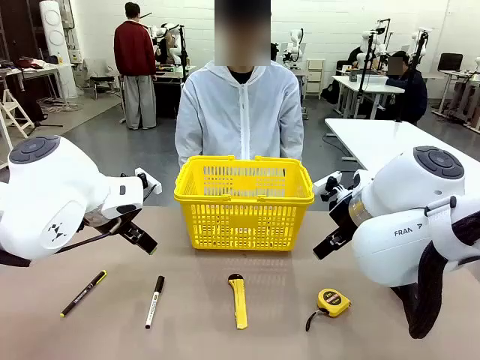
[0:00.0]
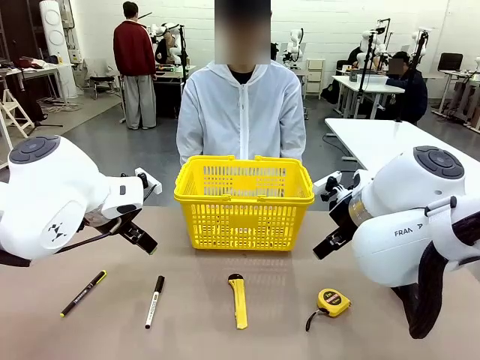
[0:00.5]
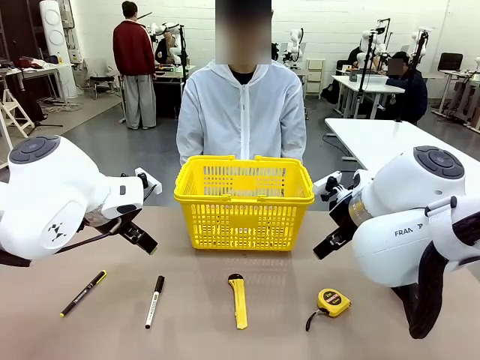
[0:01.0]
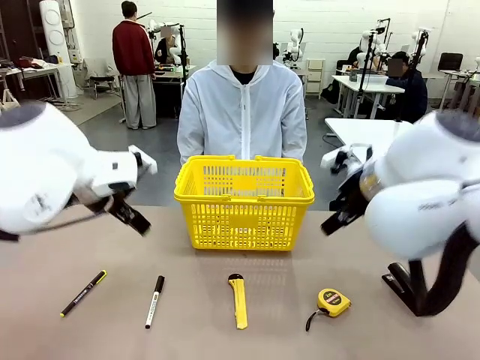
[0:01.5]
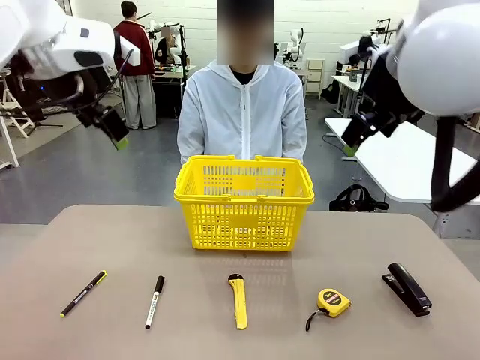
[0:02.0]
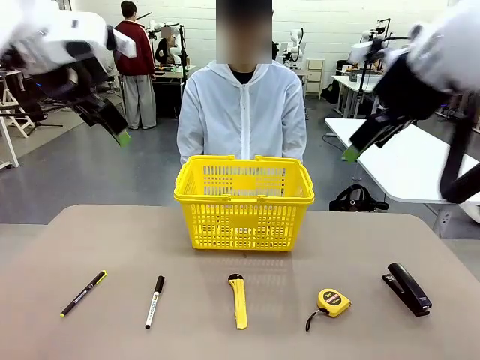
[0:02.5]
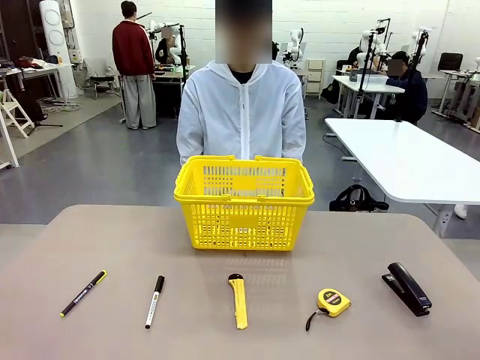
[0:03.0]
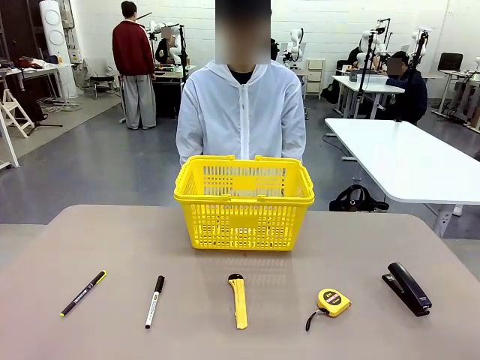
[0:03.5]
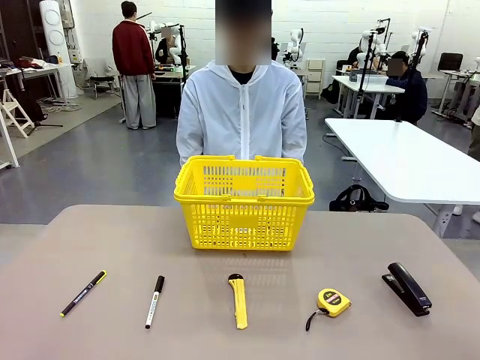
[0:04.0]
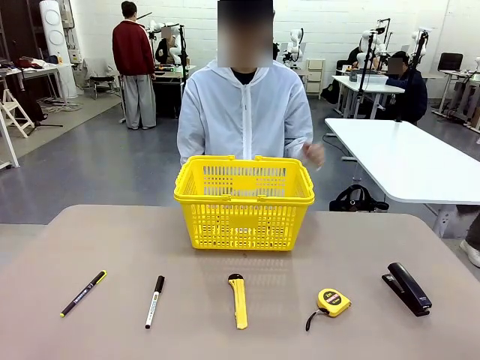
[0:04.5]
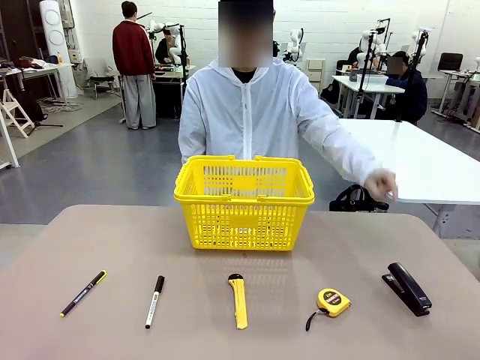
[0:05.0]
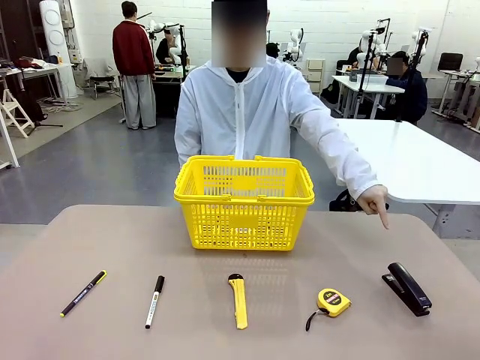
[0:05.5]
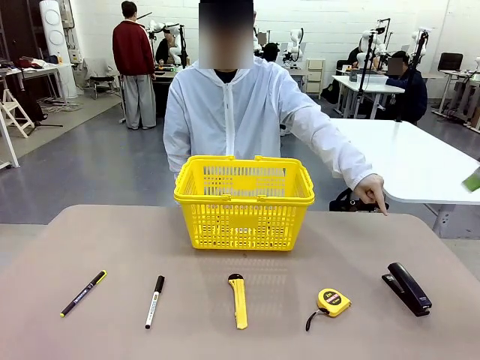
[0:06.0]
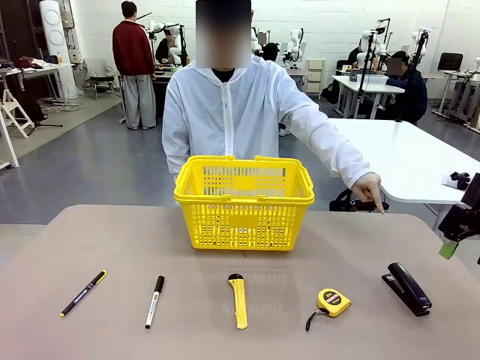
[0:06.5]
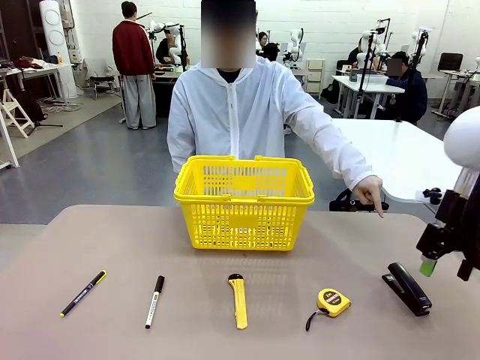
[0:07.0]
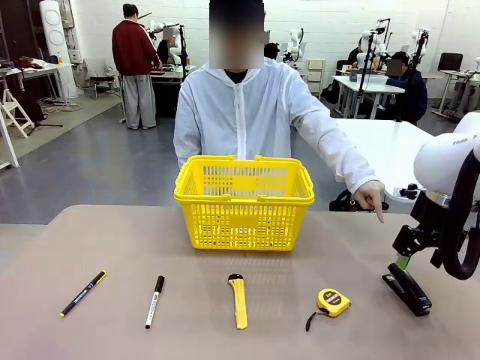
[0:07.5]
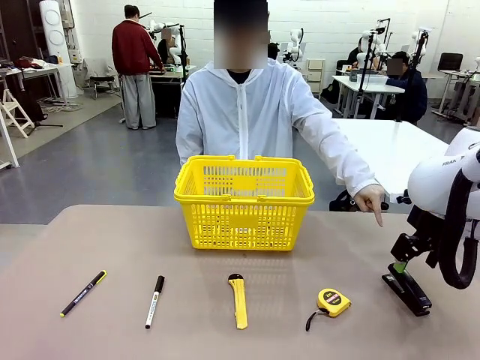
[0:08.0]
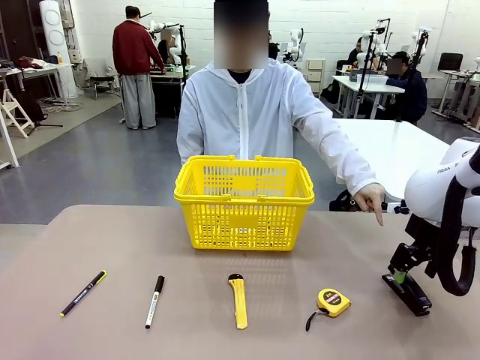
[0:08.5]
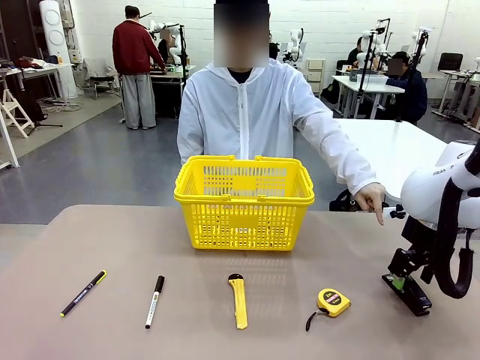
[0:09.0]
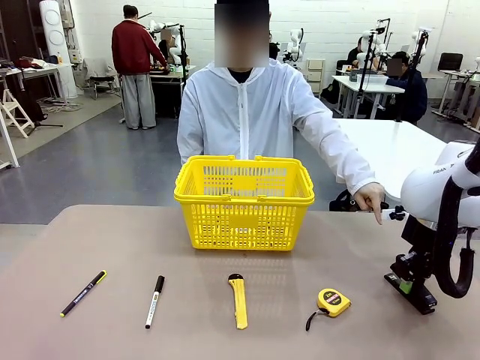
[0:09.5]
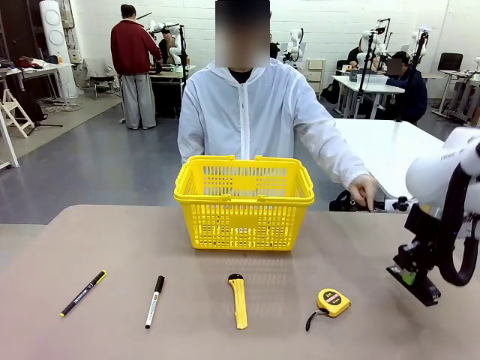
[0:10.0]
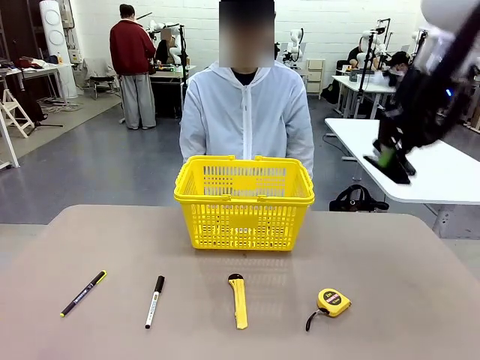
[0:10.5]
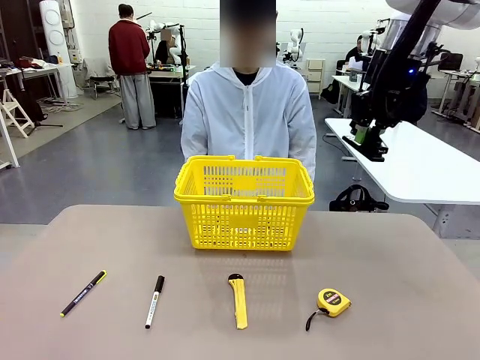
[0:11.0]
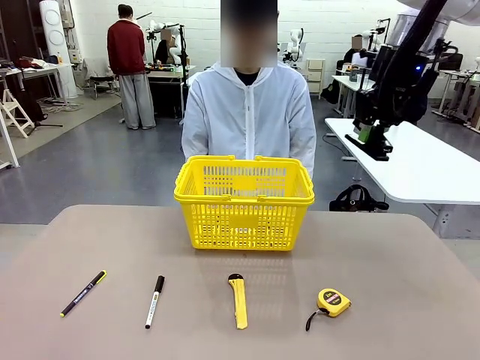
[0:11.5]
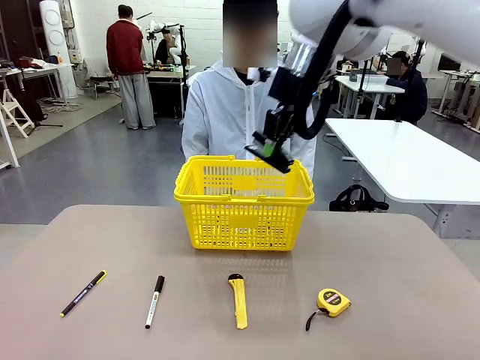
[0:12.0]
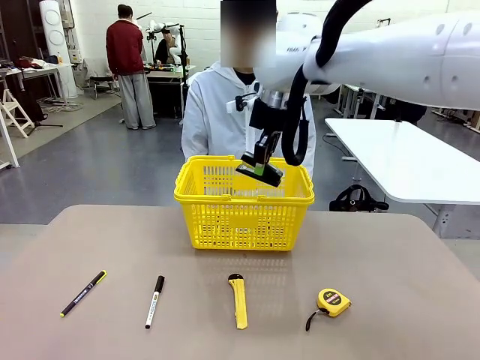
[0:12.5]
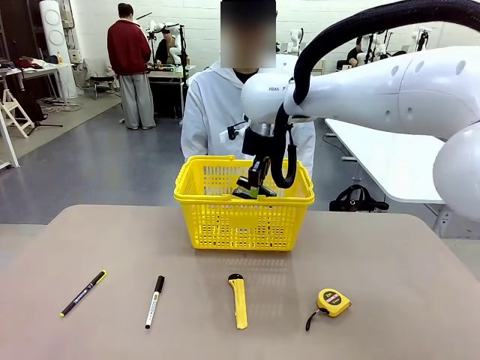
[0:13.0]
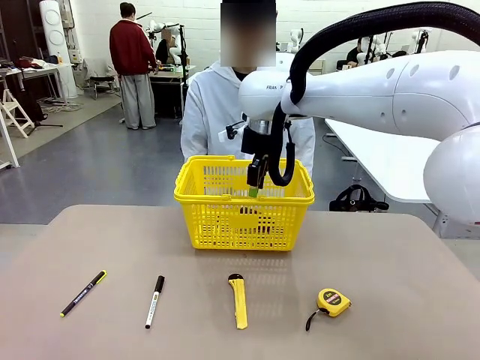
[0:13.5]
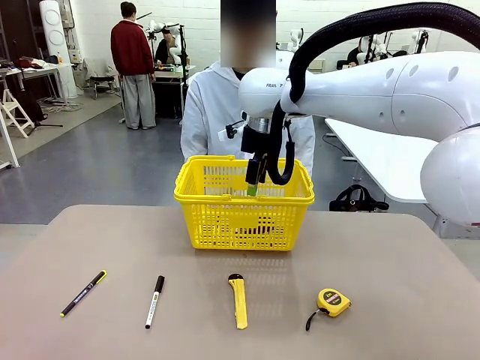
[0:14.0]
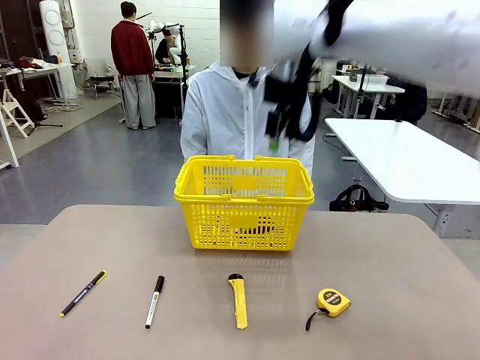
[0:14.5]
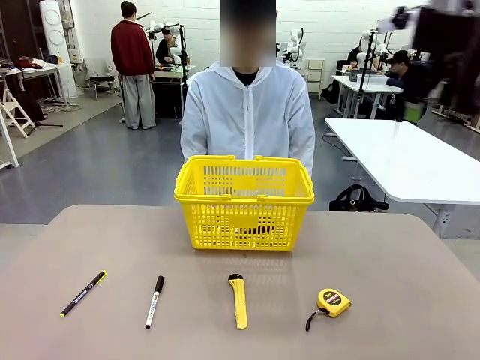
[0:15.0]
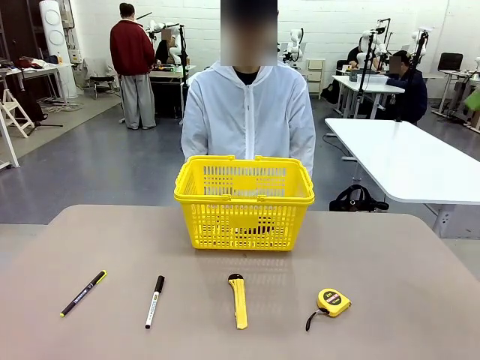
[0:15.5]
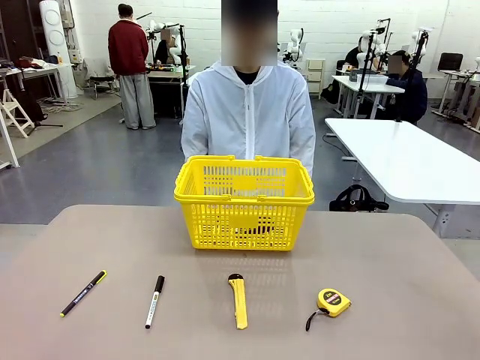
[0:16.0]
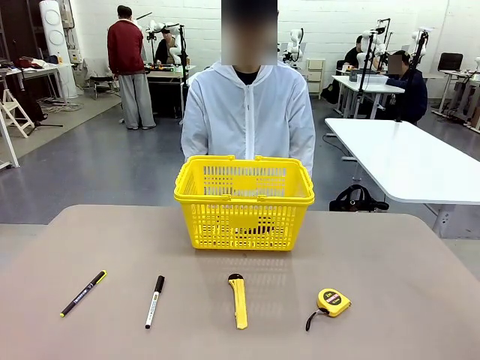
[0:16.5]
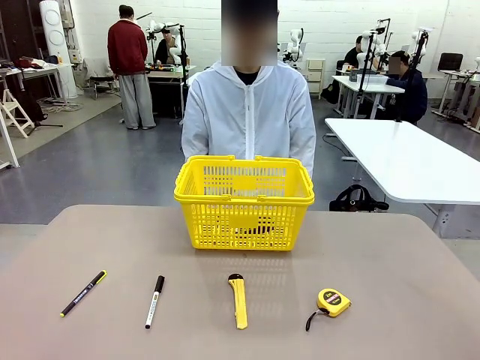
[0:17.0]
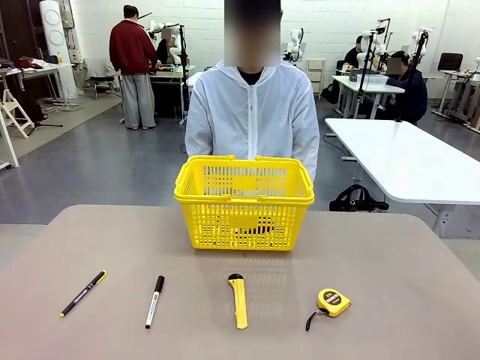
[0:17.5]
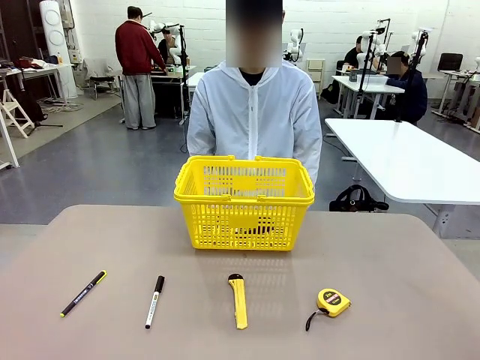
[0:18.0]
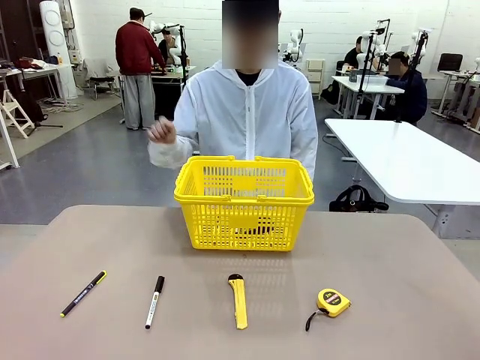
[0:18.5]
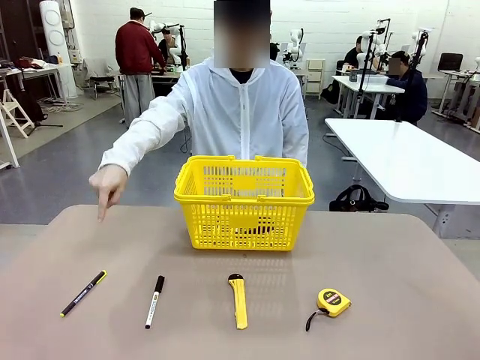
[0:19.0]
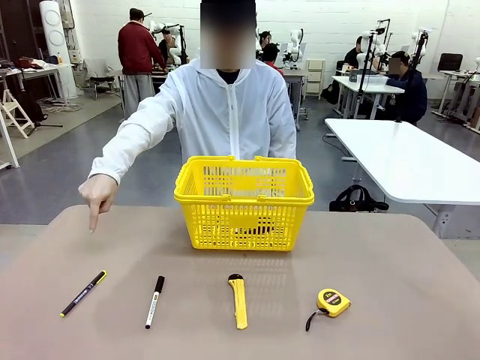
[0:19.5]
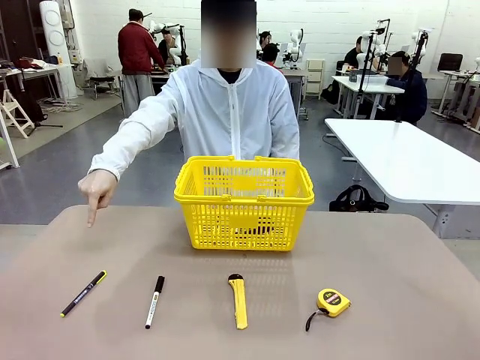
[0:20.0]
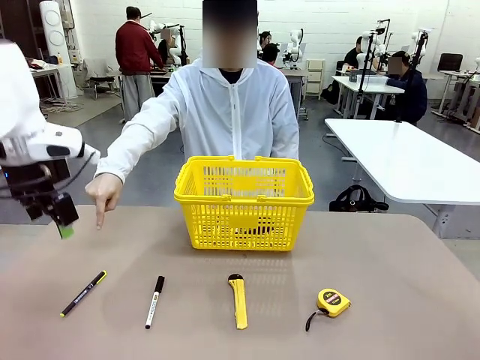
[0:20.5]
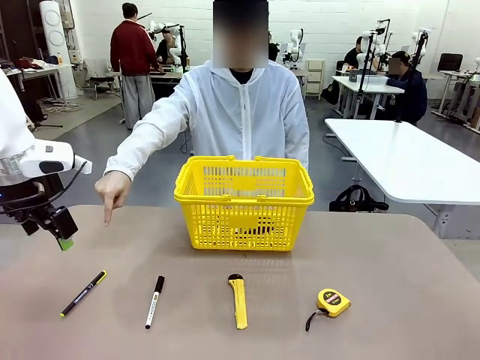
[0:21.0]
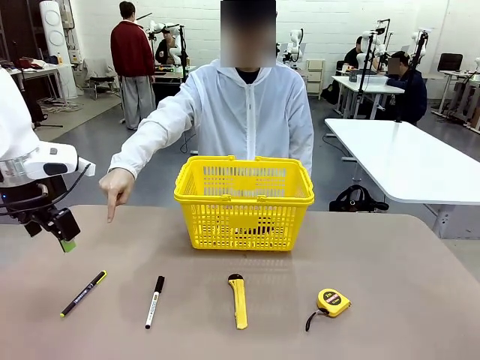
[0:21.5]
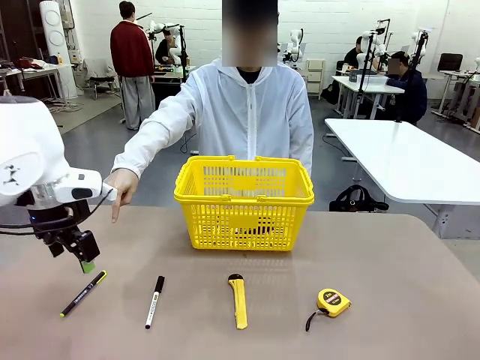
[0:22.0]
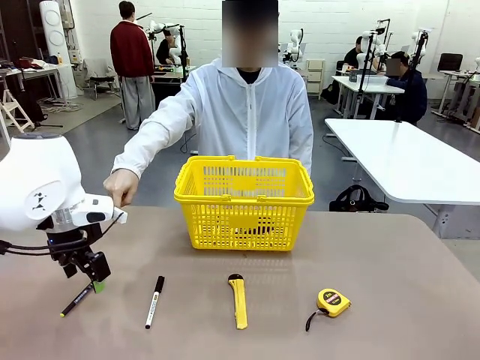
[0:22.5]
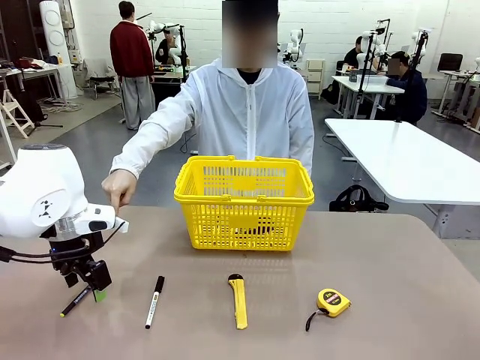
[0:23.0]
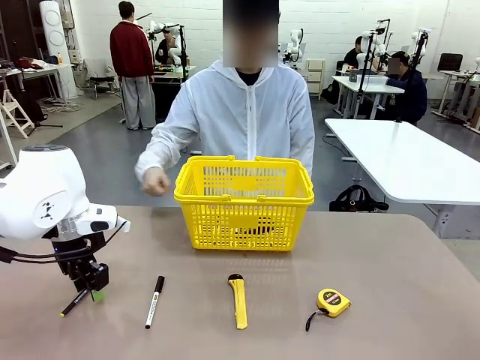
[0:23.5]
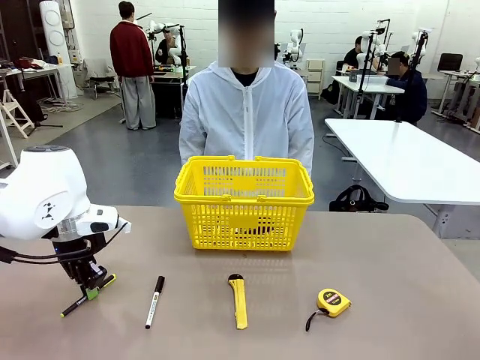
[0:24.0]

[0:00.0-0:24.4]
Task: Place the items the person wants into the basket.
Robot: Pick up the item the person points to and place it in the Market Basket.
